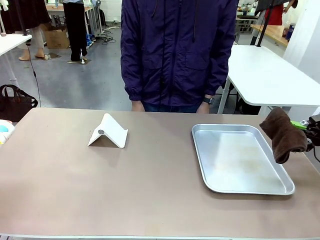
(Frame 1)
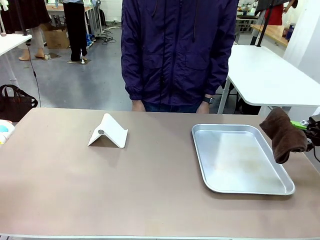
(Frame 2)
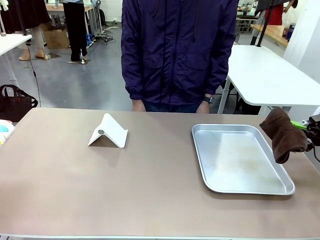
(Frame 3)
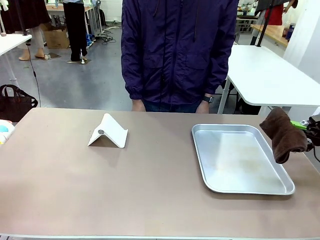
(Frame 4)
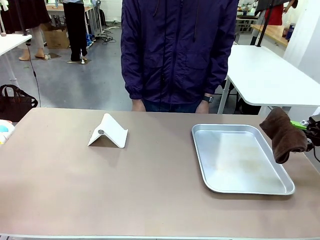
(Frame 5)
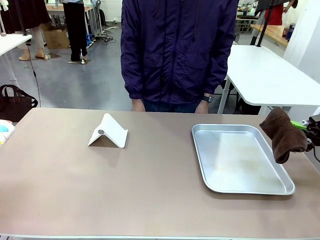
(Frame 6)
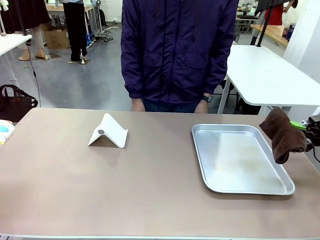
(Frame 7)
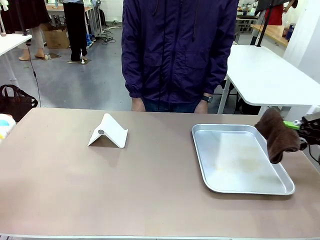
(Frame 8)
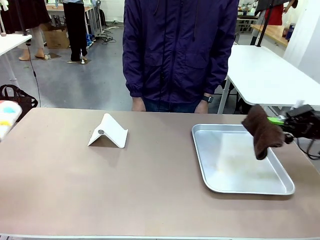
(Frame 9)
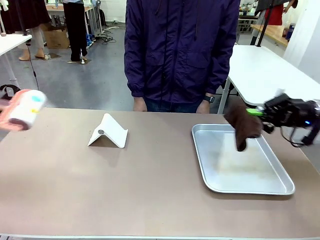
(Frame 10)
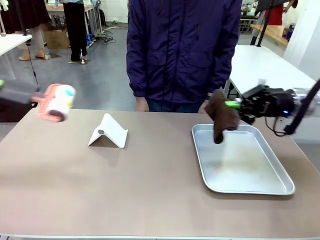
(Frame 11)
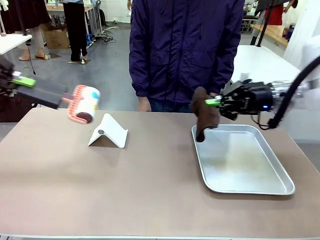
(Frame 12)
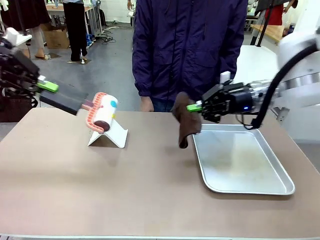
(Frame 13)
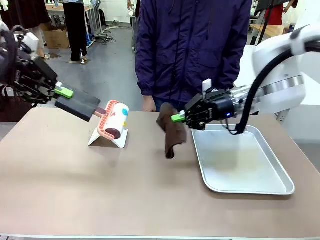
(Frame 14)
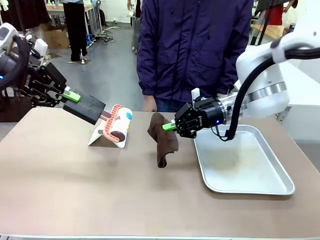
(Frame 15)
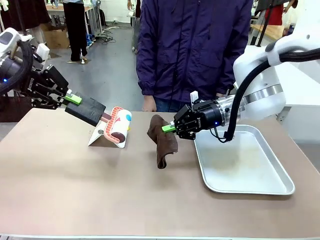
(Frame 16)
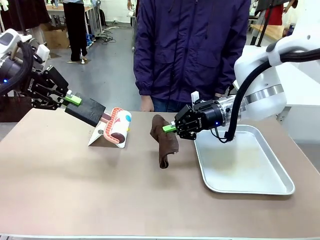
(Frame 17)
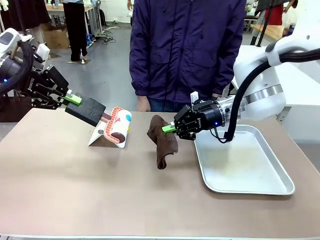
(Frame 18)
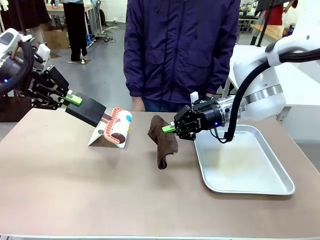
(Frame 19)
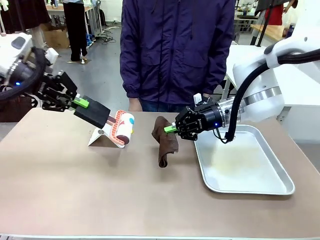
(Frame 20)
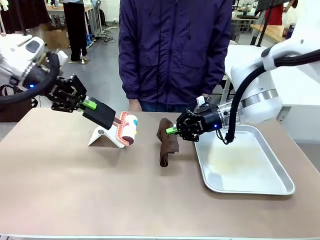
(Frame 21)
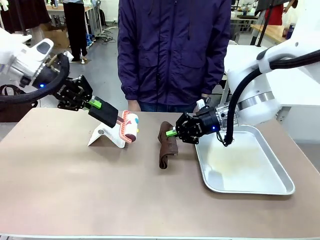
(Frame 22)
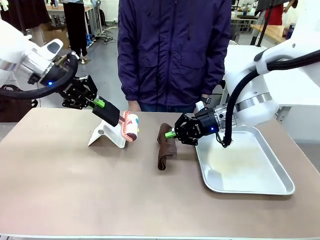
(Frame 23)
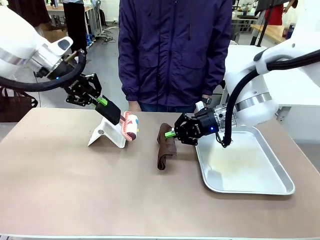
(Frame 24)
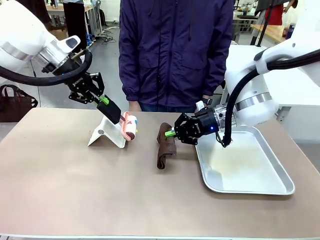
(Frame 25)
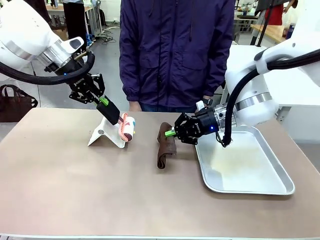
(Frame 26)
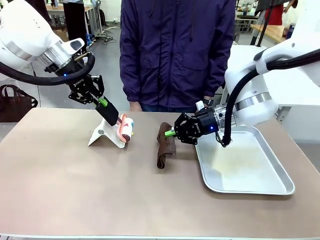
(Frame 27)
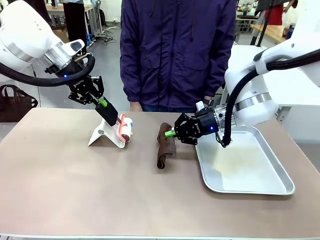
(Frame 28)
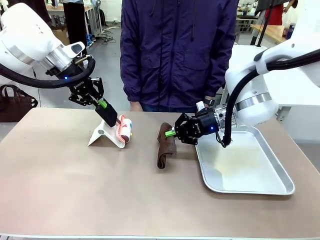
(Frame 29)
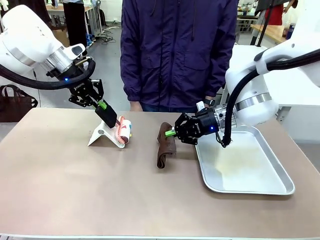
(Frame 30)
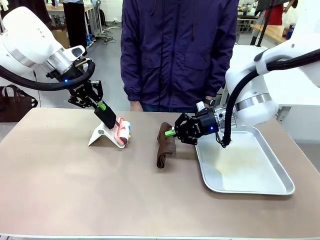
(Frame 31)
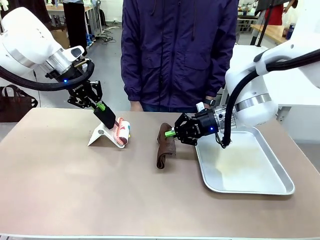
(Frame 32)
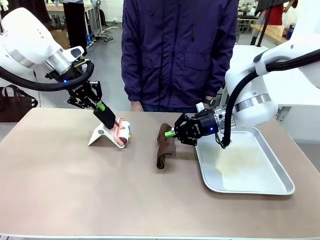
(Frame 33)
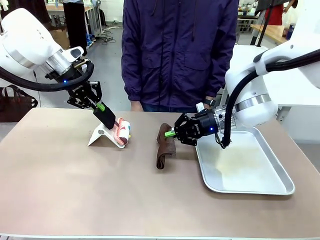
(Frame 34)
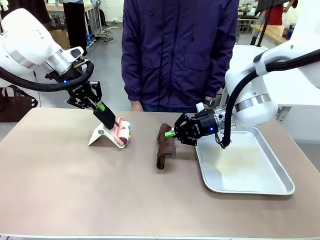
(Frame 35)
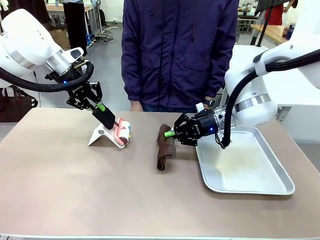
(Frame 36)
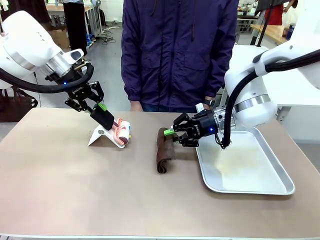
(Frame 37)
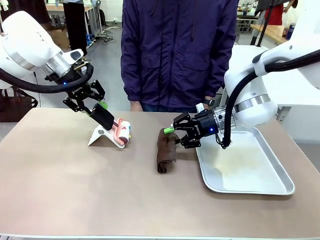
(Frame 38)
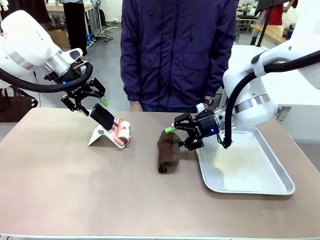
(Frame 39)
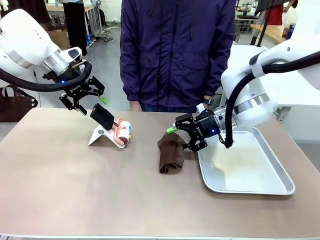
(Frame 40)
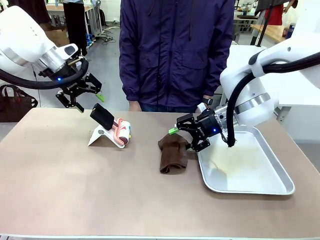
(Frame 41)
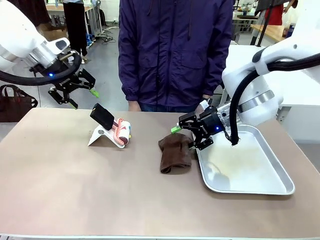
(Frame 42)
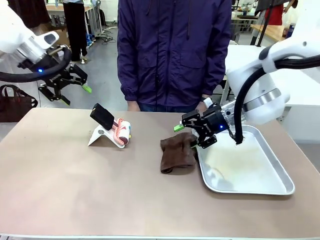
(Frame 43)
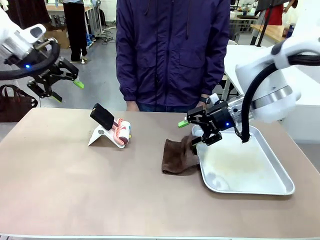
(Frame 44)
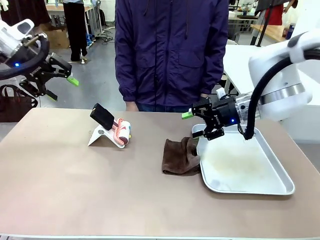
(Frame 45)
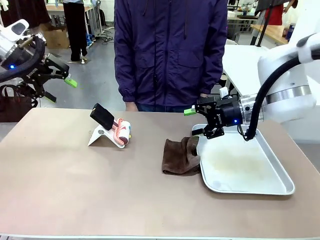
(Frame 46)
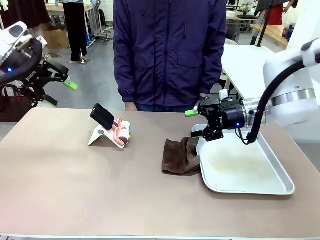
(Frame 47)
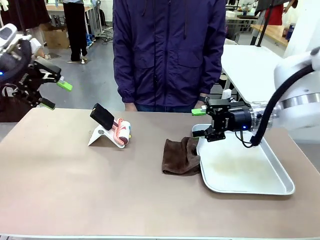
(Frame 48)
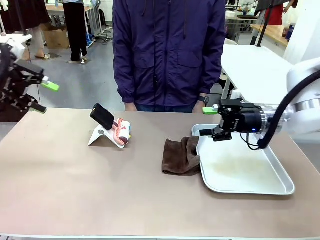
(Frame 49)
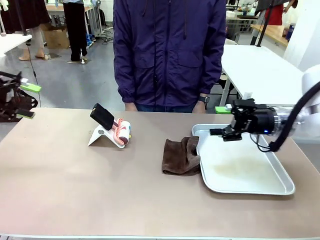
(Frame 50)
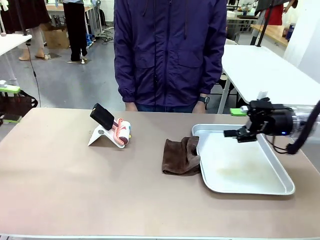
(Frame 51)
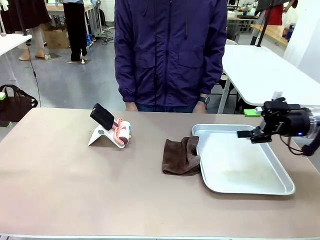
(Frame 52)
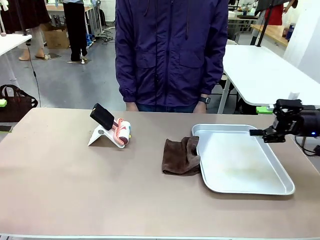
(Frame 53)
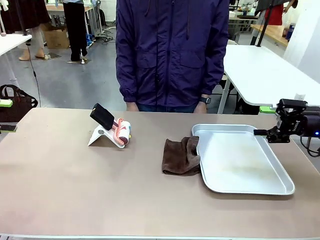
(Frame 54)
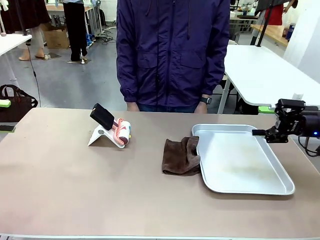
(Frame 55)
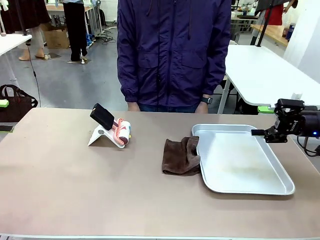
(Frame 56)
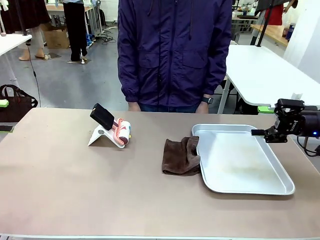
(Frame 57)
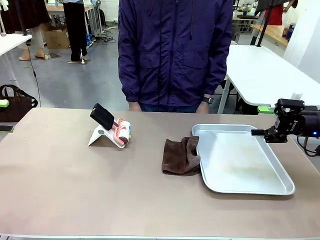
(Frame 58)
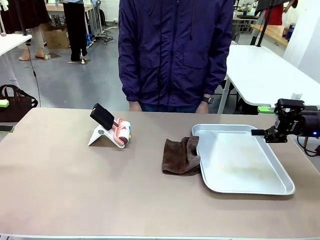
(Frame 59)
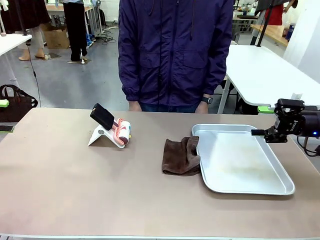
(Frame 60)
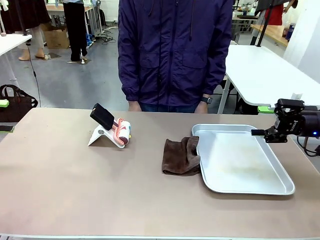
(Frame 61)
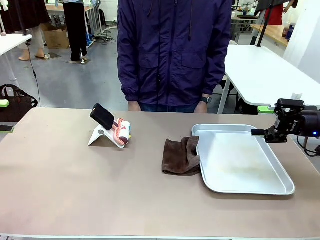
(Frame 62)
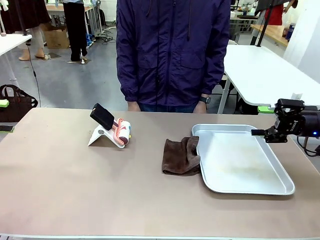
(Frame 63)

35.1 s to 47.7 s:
Task: Clean the surface of the table.
Robot: Return the Lint Roller and towel to their original positions.
